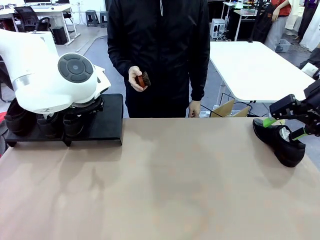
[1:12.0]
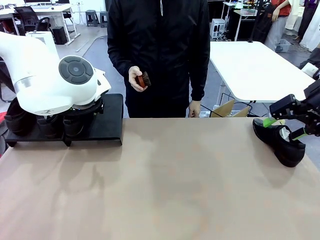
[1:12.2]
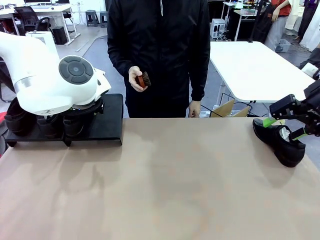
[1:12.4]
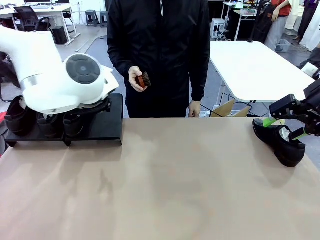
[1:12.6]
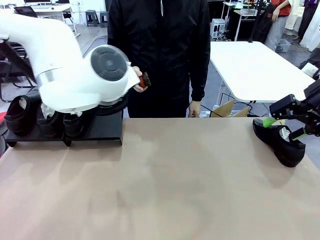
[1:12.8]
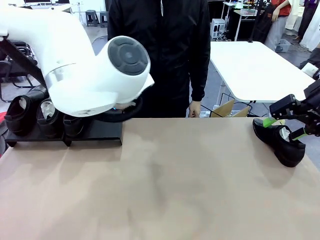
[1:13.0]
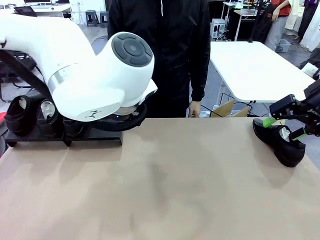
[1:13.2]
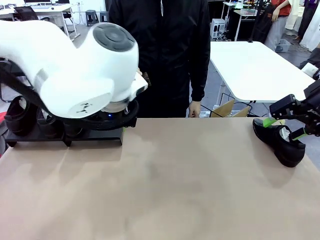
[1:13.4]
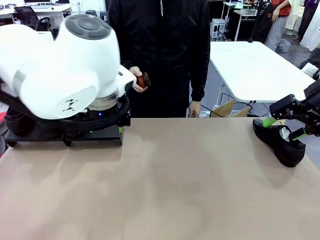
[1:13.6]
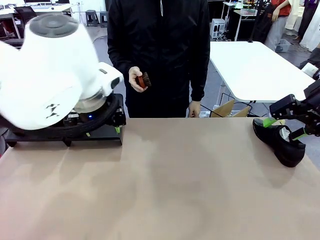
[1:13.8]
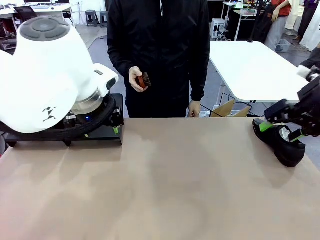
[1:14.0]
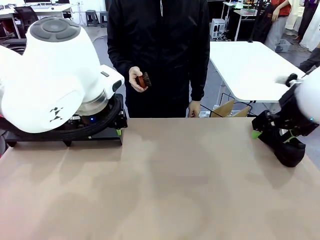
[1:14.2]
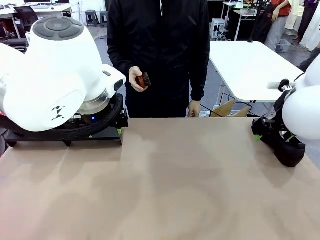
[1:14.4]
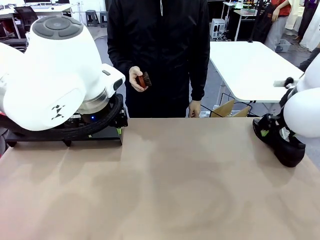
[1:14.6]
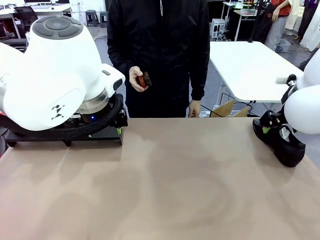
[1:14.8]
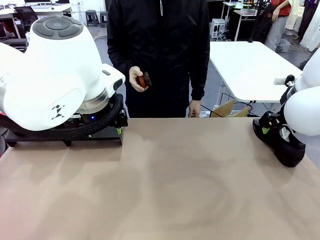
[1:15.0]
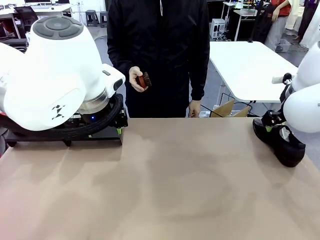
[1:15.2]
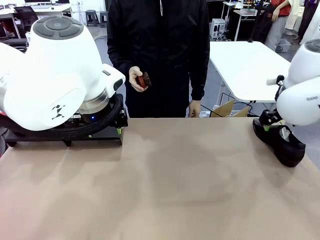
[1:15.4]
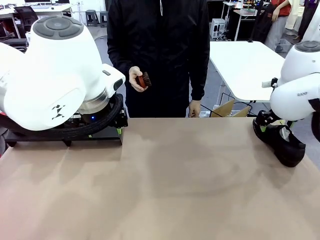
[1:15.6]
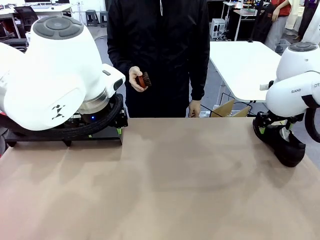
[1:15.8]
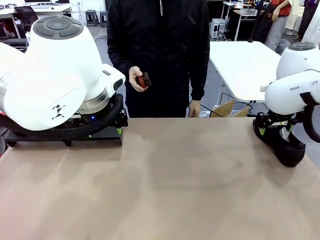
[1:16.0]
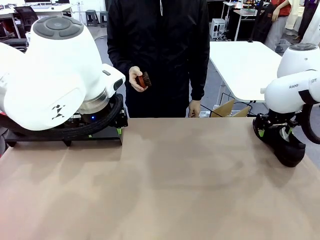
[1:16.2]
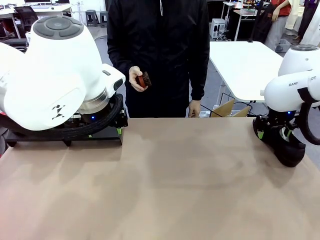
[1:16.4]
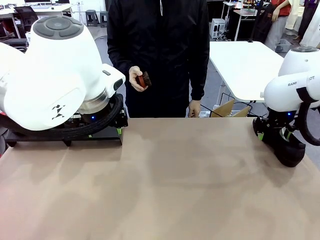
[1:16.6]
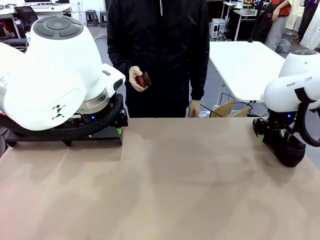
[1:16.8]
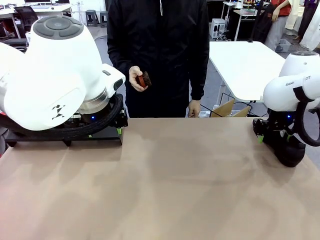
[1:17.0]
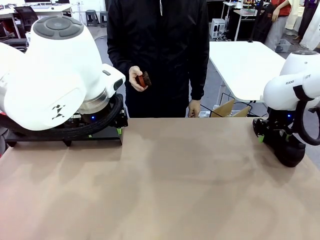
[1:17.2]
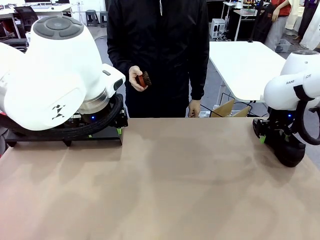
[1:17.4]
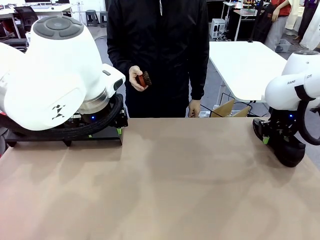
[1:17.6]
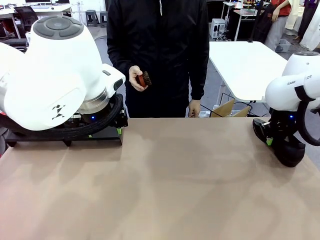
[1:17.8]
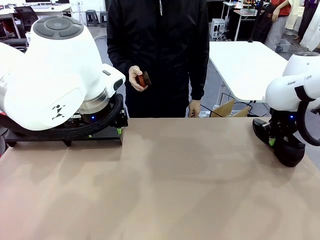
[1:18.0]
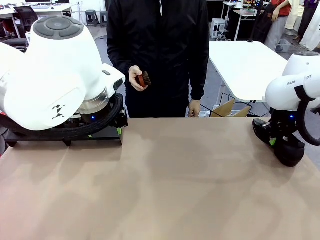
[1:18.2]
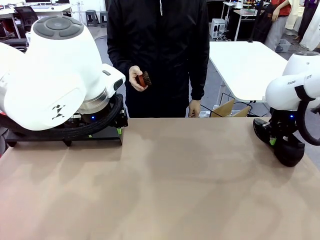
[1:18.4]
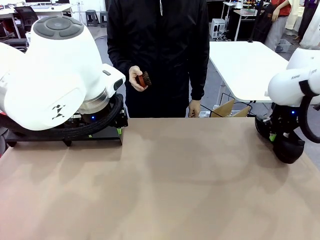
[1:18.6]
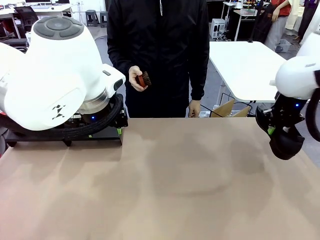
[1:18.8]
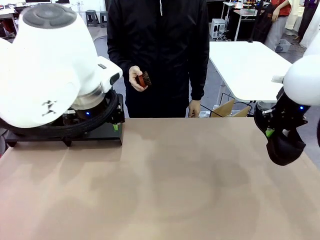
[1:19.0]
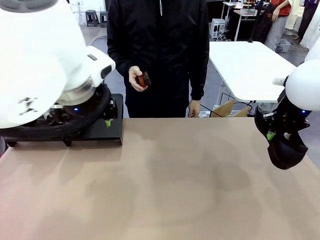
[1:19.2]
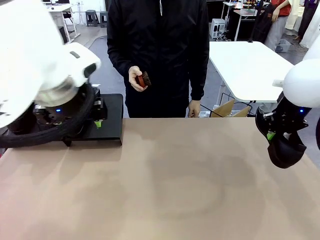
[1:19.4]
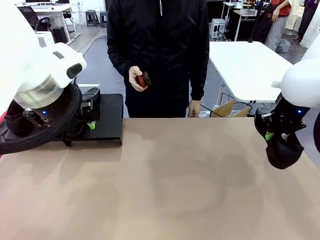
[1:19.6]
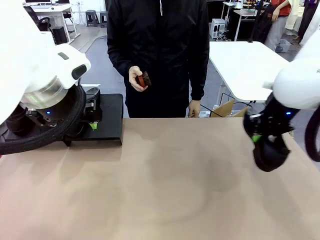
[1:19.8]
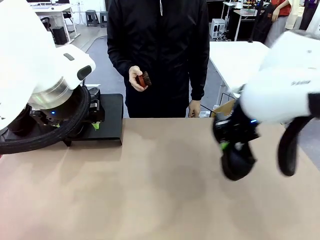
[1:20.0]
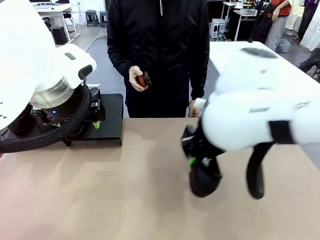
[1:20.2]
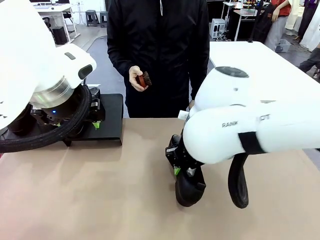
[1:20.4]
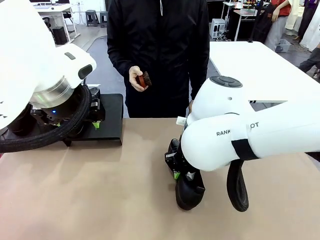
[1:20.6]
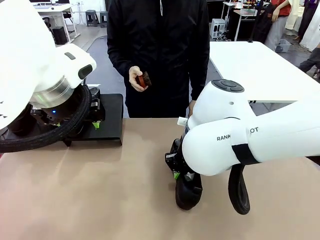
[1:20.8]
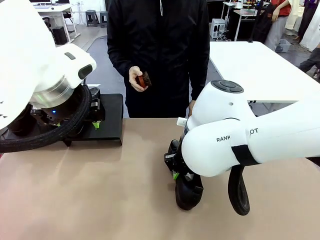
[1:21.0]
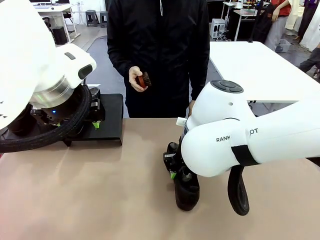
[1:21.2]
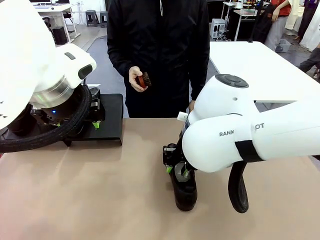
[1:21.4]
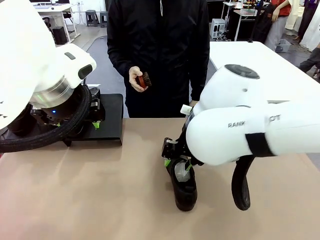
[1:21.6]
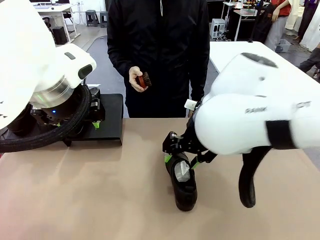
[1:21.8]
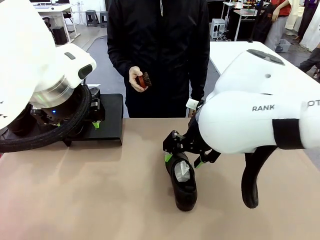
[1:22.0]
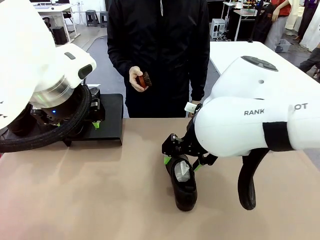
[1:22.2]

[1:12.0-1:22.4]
Task: Organize the shoes by placing them on the stand.
Robot: Pick up one Shoe and place it in the middle of the table.

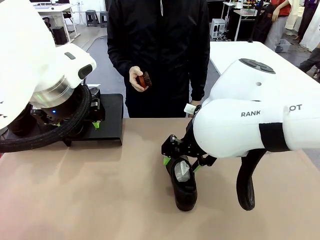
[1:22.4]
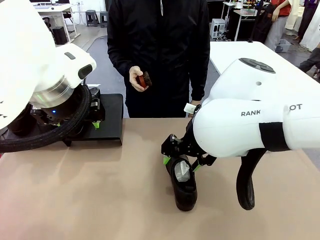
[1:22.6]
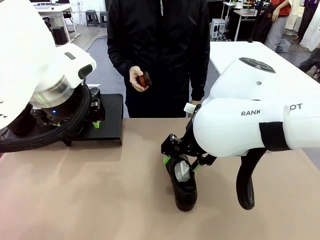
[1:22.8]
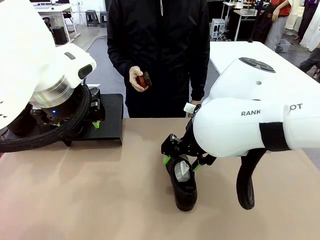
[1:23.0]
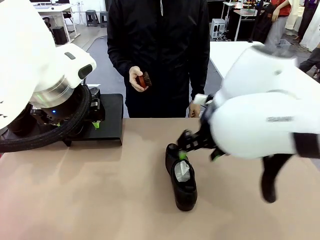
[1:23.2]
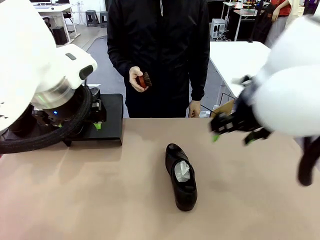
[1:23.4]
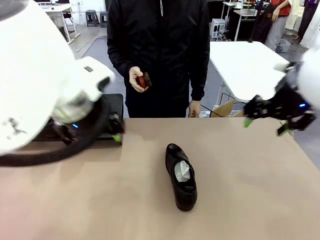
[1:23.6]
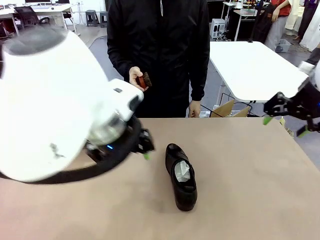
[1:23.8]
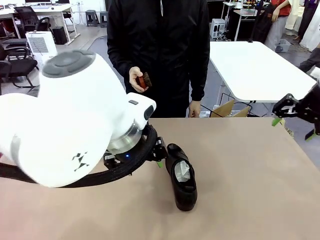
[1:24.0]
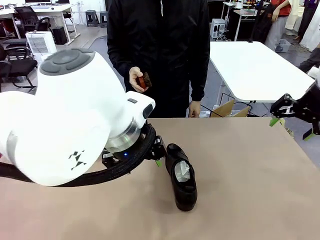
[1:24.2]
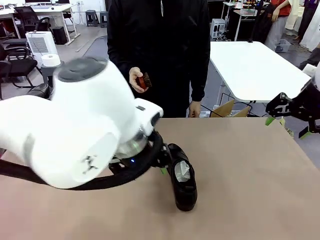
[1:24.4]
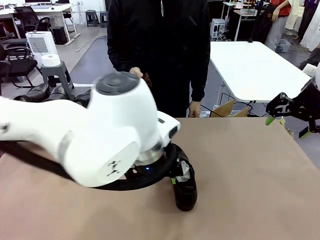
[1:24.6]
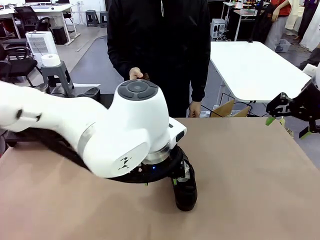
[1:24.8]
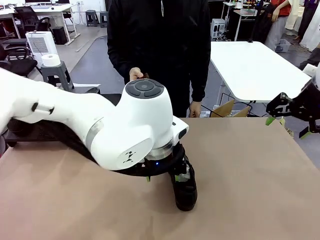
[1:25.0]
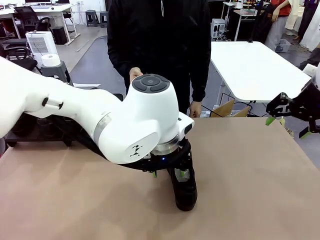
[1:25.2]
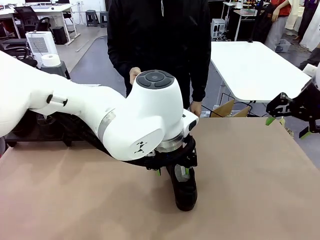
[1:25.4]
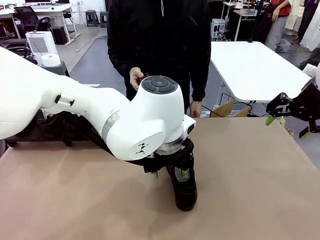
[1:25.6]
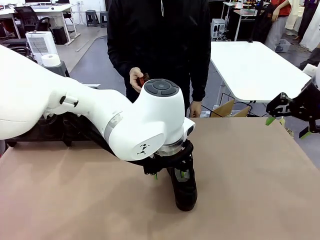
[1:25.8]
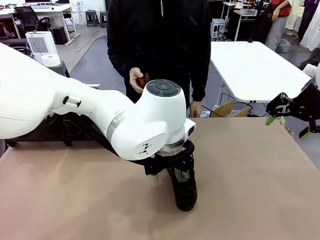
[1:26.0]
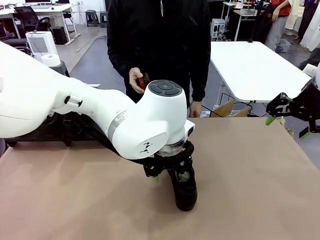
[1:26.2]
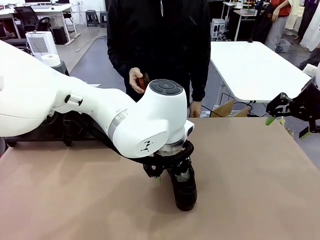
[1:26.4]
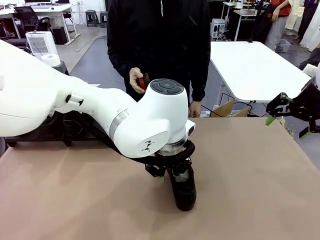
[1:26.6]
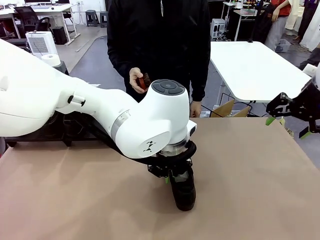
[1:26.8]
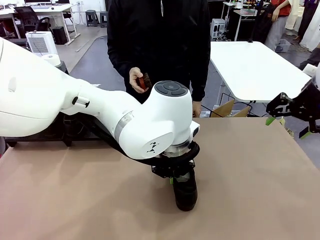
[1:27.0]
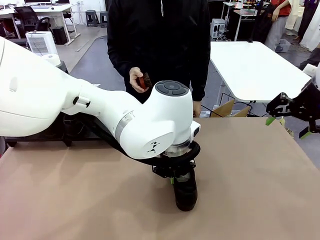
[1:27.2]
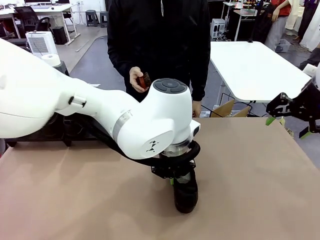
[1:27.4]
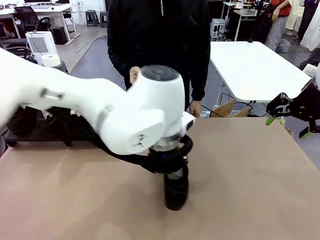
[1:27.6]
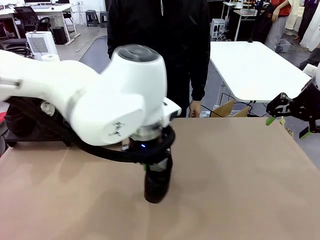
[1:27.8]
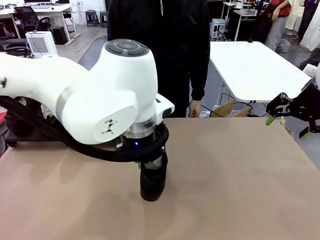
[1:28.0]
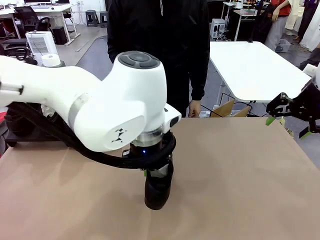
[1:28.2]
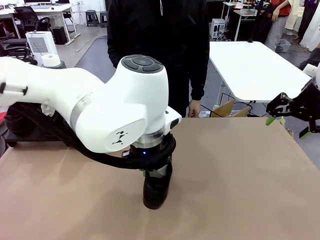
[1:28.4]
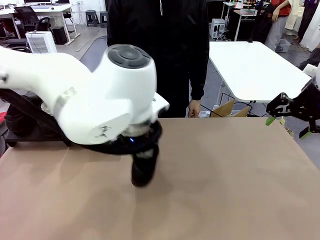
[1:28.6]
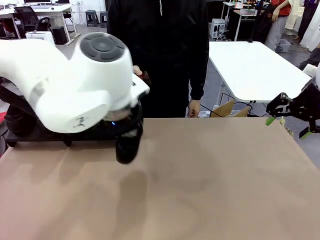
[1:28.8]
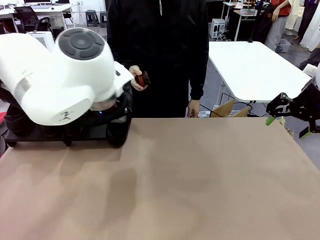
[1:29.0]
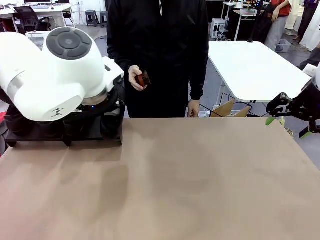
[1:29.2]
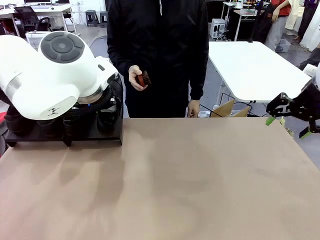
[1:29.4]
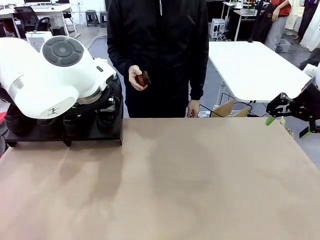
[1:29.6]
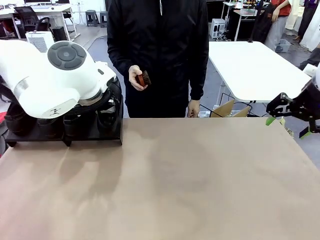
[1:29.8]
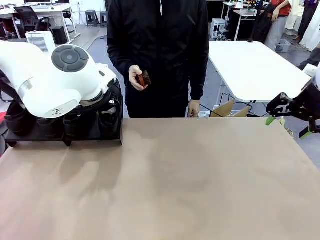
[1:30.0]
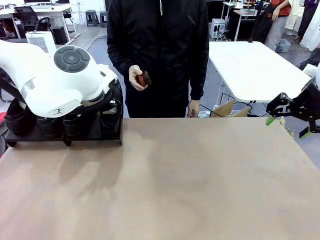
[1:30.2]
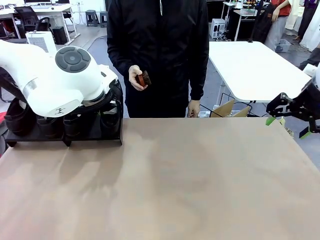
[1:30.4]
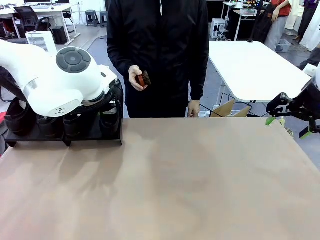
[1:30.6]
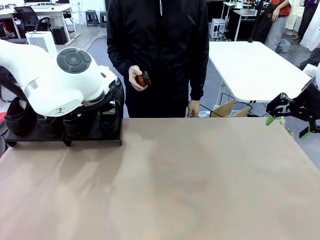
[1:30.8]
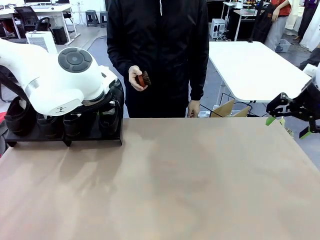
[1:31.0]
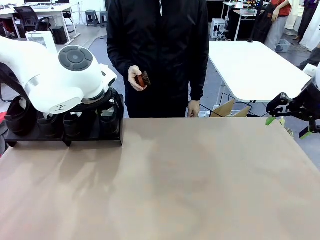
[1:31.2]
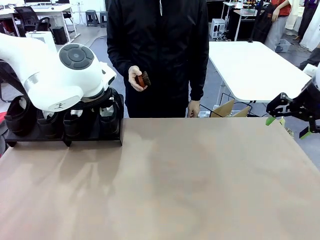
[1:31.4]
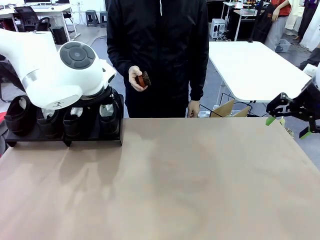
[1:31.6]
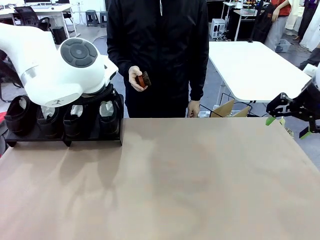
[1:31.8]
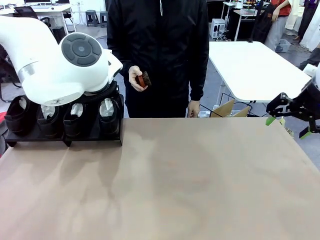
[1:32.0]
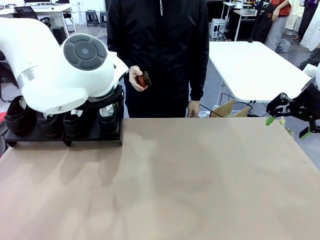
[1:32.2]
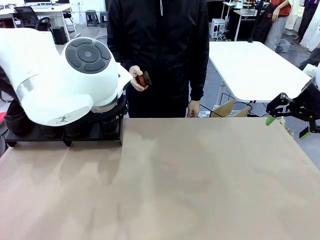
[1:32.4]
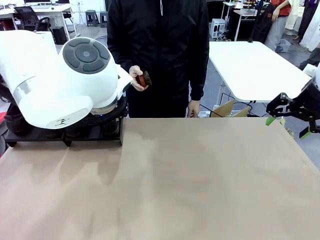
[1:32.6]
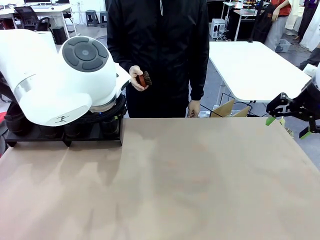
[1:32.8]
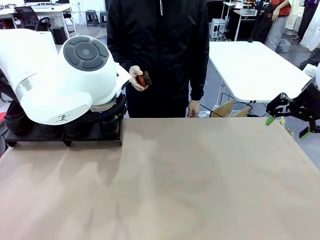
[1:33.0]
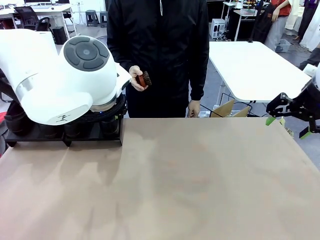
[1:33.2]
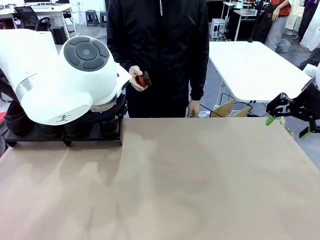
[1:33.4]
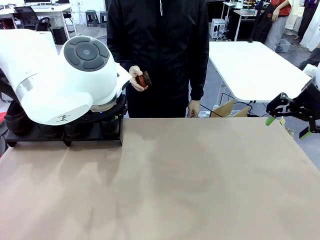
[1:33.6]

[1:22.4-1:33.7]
Robot: Place the Shoe from the middle of the table onto the Shoes Stand.
